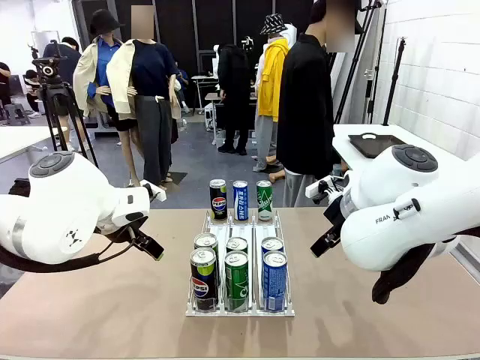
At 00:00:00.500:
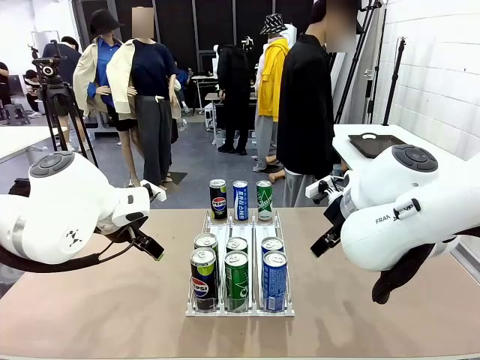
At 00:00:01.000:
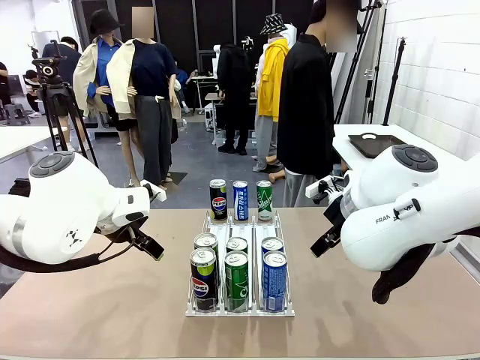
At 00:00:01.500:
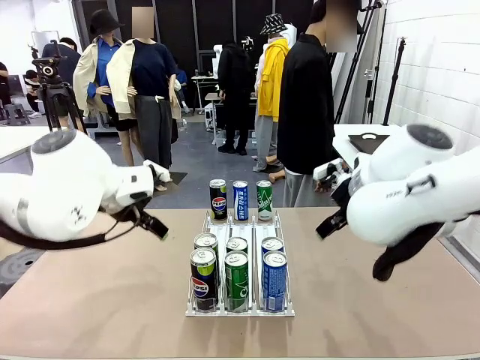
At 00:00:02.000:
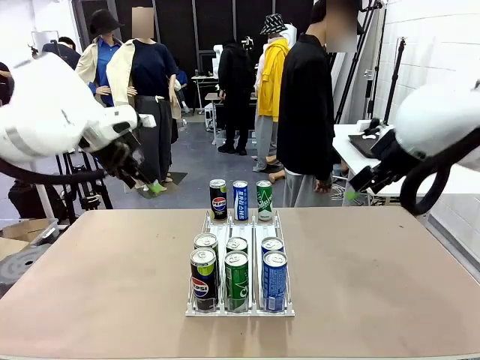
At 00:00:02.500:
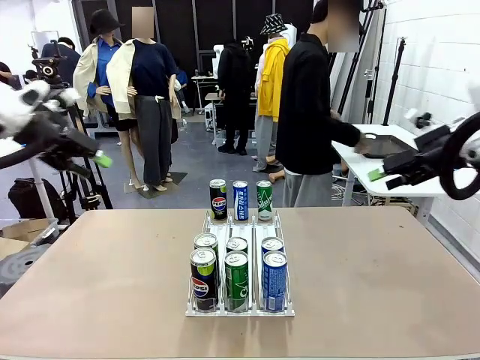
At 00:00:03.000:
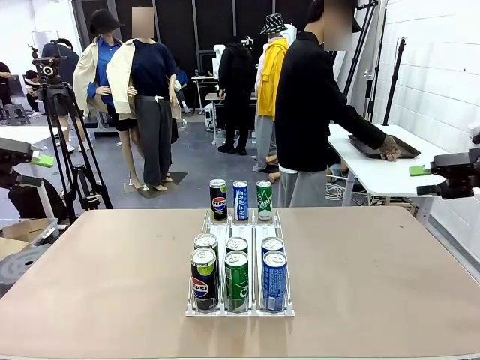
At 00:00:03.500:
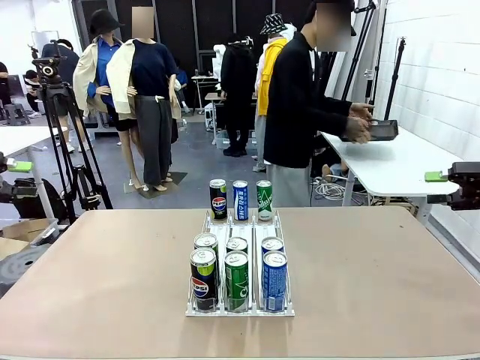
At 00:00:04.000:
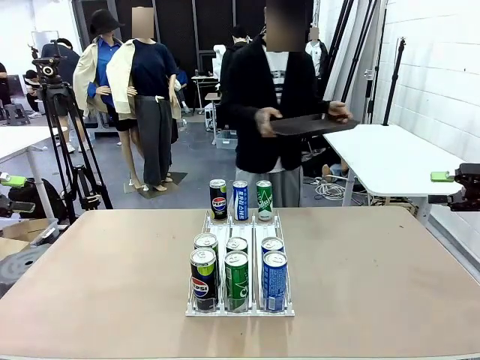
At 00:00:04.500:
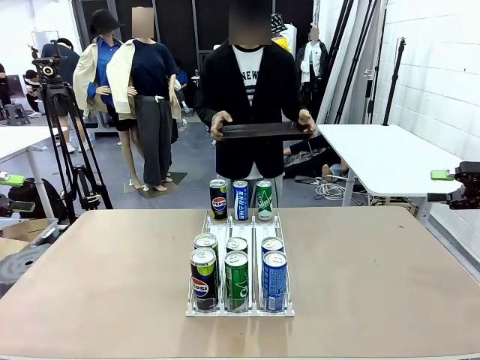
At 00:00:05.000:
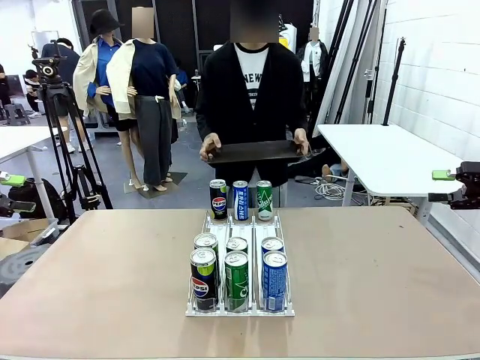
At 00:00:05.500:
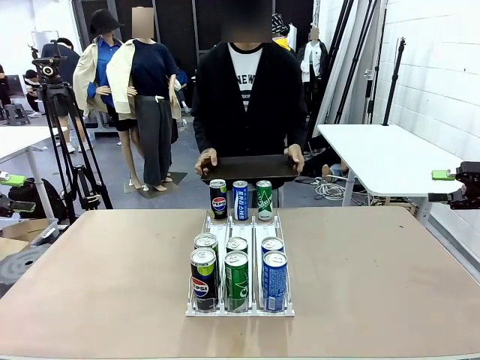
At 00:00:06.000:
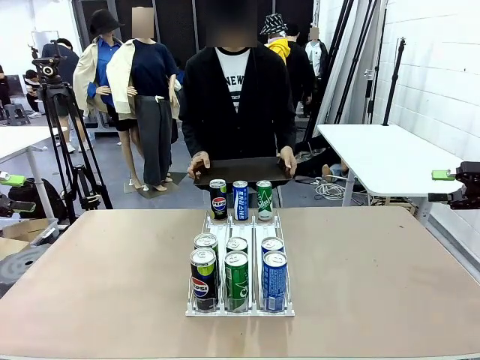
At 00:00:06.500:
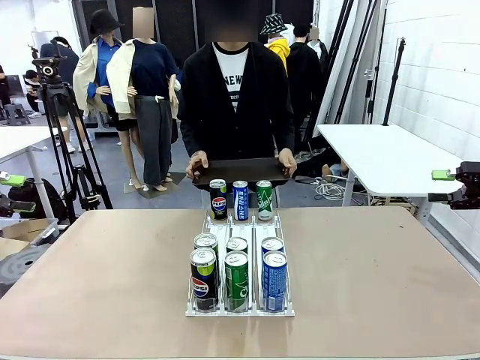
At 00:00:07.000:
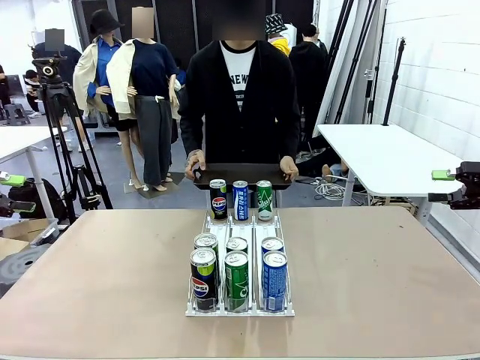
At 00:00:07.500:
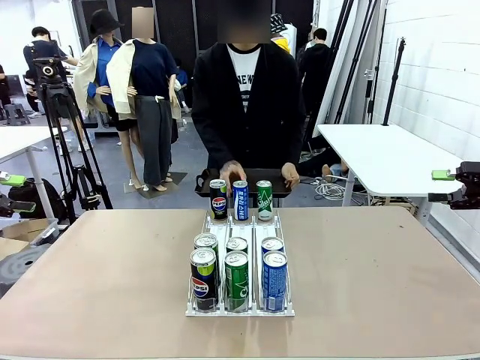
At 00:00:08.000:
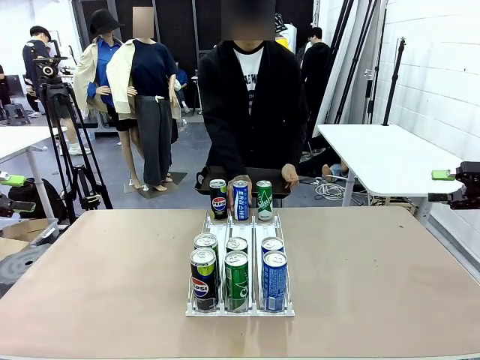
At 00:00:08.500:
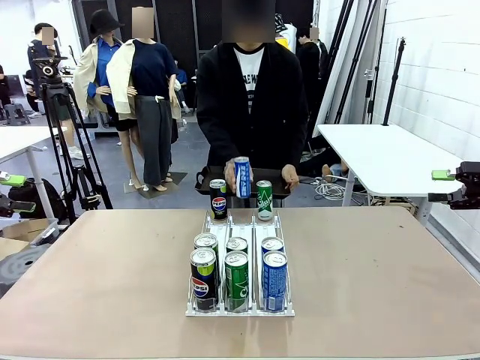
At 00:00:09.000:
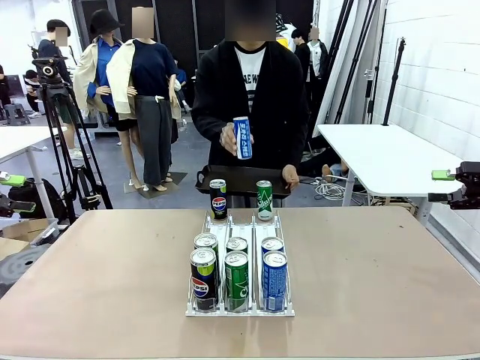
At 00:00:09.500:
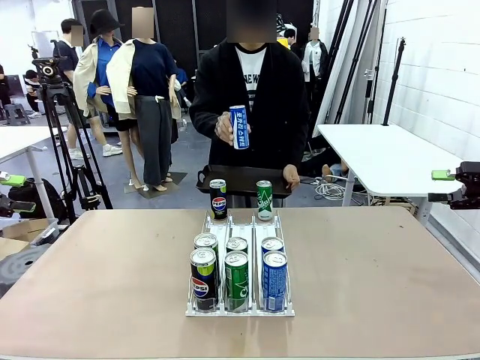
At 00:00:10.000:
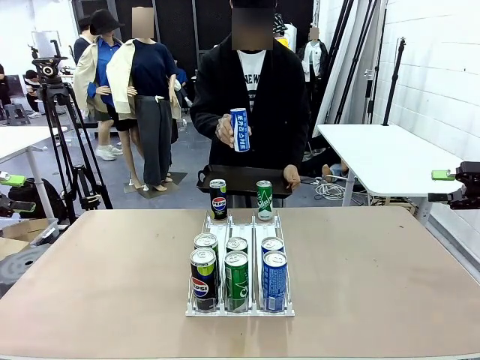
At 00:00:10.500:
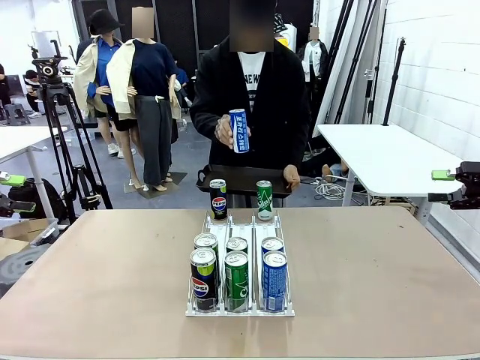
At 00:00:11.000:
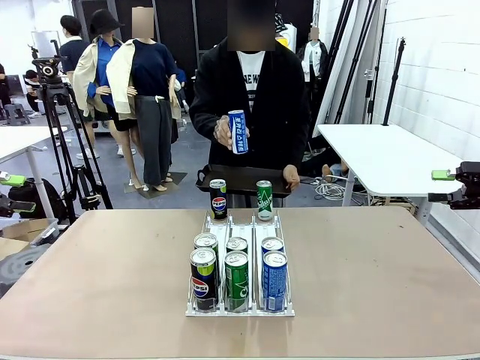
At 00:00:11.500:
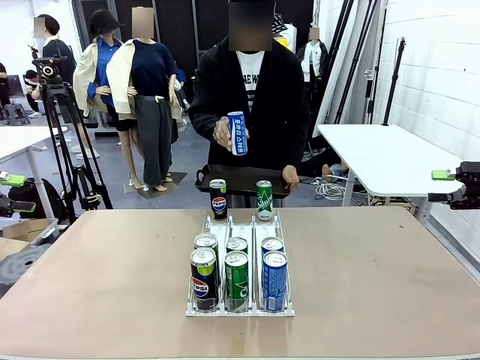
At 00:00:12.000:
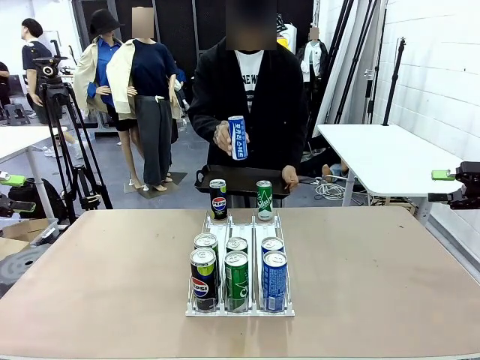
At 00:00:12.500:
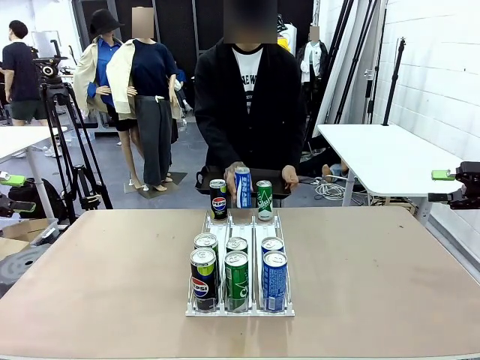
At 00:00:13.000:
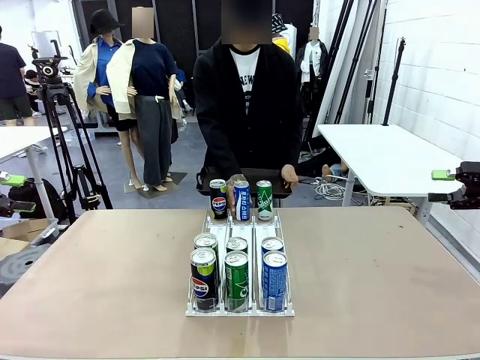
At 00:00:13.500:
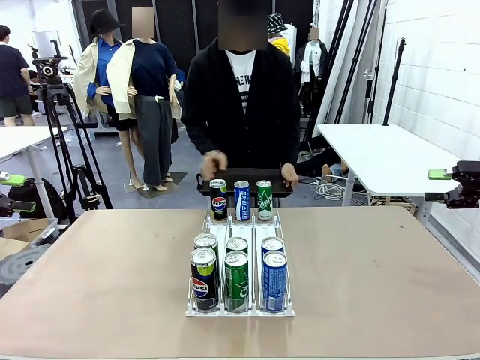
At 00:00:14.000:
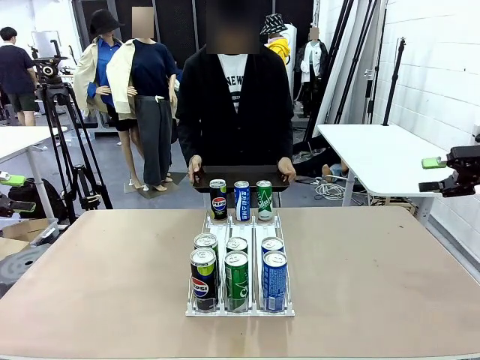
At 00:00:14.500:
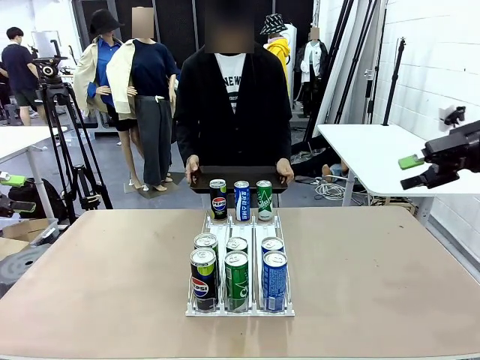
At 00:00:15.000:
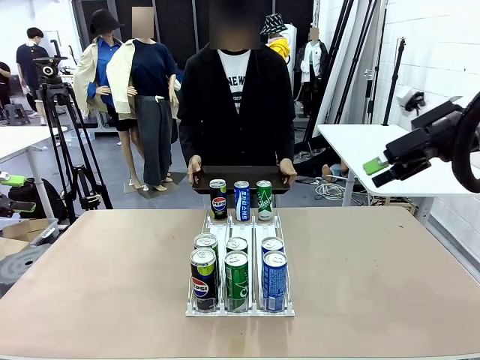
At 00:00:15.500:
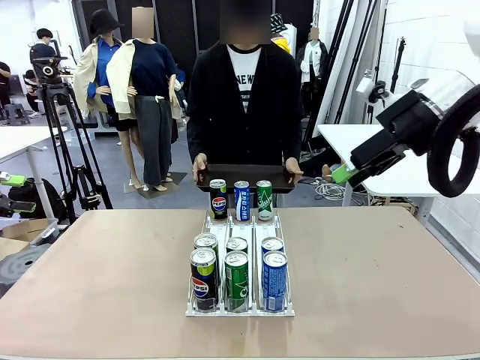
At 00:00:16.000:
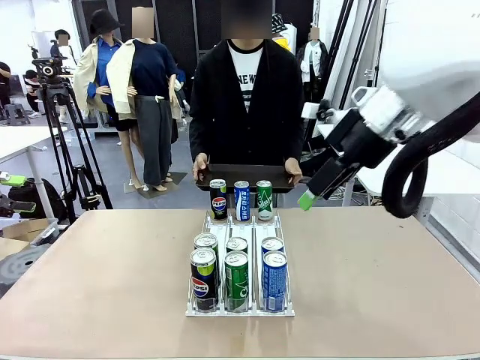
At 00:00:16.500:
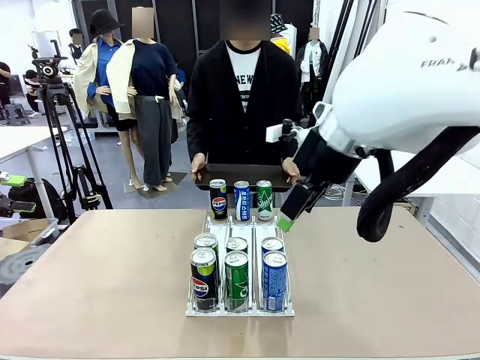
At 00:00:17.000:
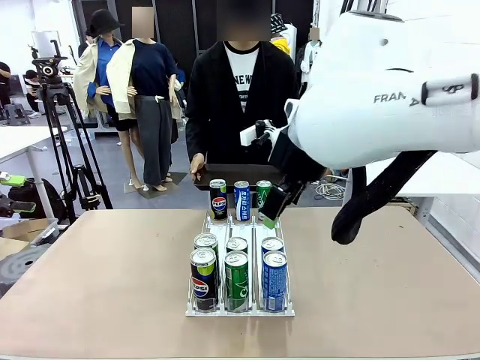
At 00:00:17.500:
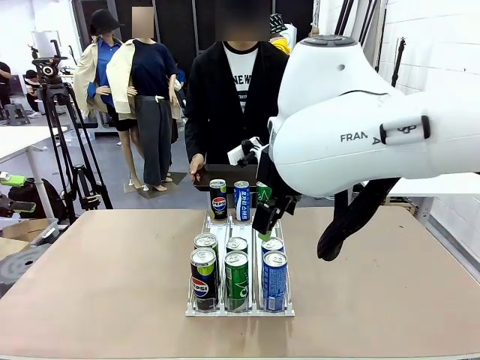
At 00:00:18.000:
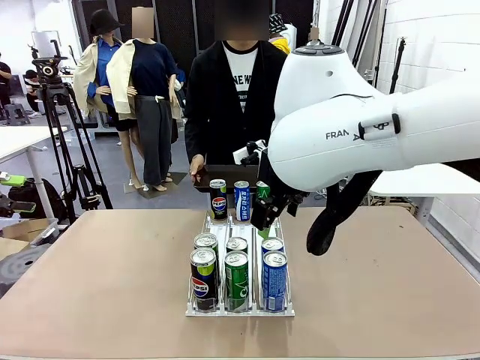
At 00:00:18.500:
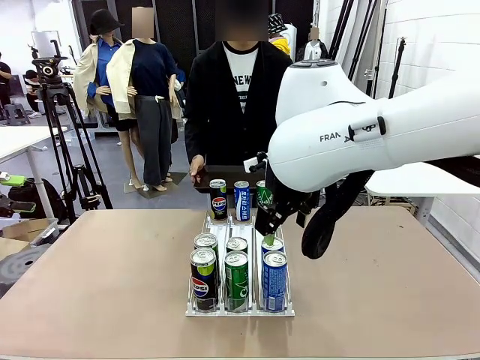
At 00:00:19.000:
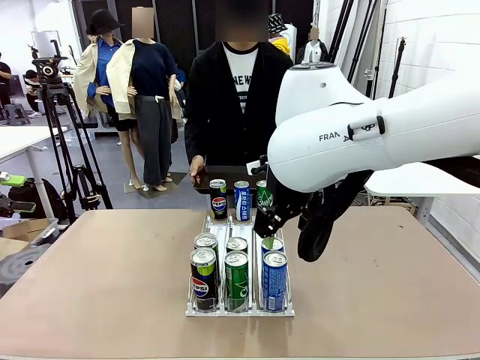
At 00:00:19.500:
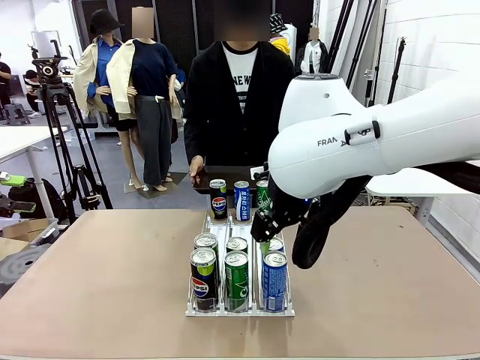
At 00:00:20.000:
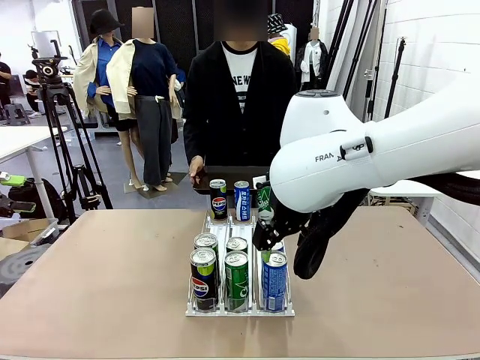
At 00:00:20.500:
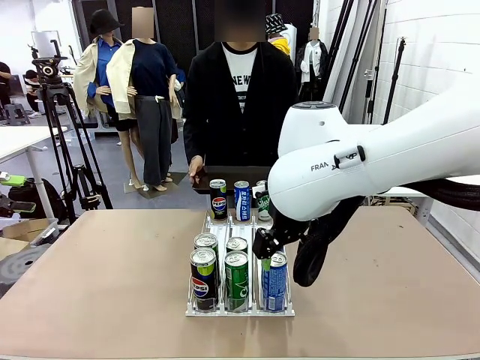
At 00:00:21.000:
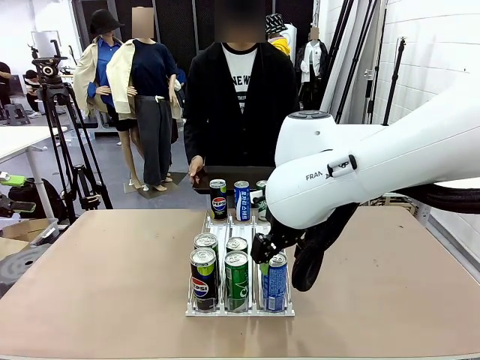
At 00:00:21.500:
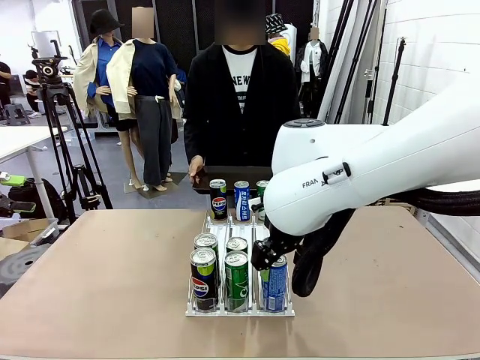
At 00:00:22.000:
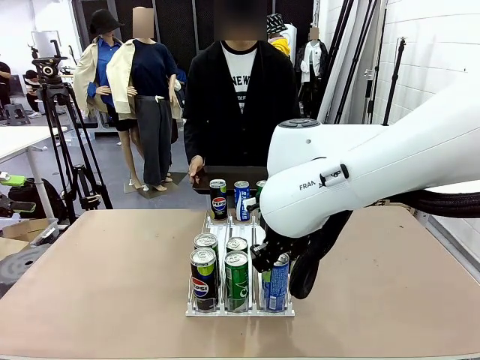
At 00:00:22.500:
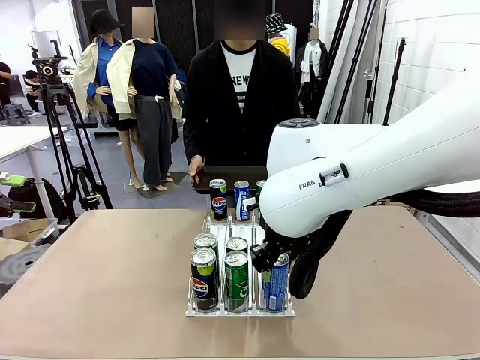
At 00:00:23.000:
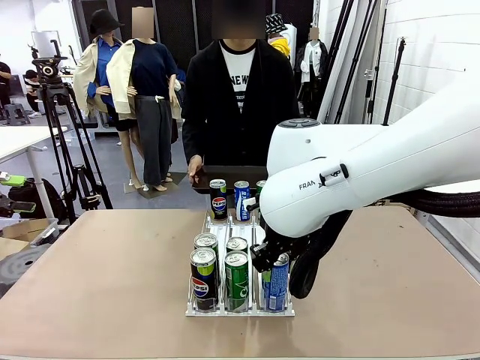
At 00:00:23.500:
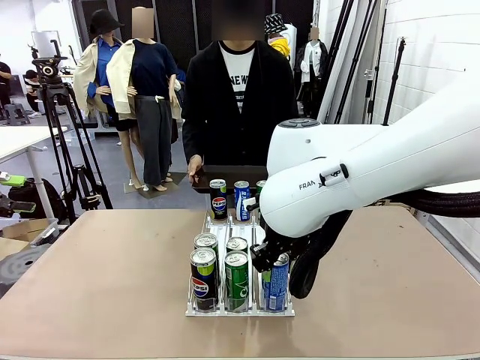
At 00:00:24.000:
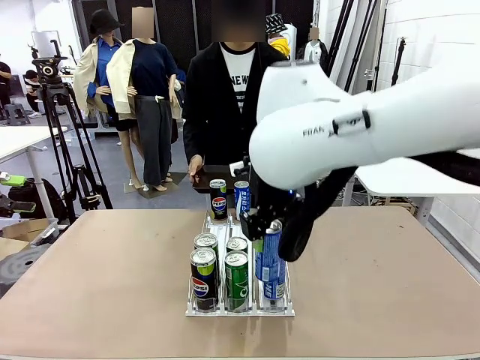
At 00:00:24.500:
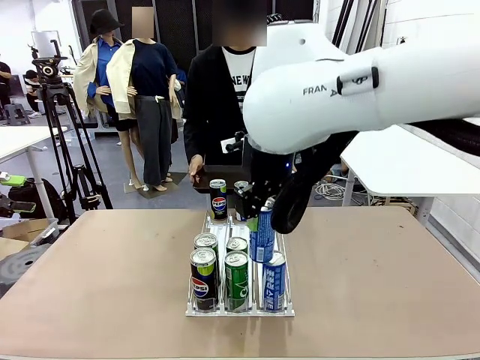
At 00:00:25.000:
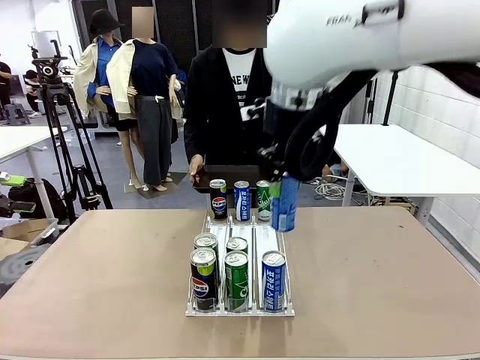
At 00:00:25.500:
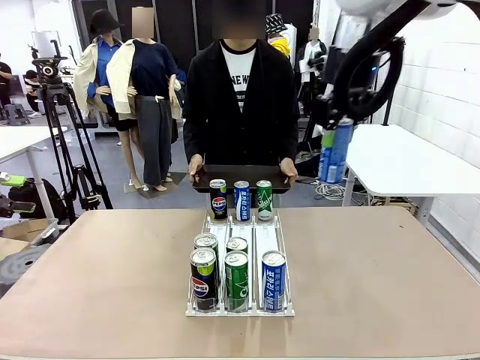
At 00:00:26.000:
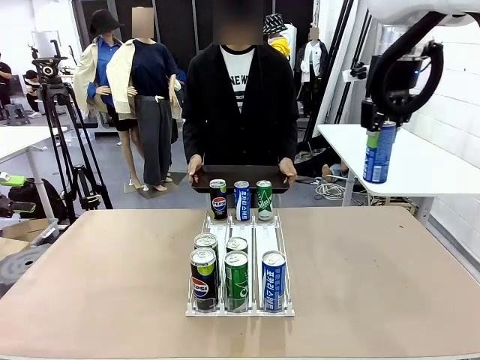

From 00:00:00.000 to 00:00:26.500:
Task: Retrieve and hand over the desired beverage to the person.
Robot: Pick up a can of the same type that the person held from the Automatic Can Dispenser.
Person: Hold the tray and position yourself in front of the robot table. Pick up one can from the bottom area of the table and puts it back in its original place. Push the tray toward the robot.
